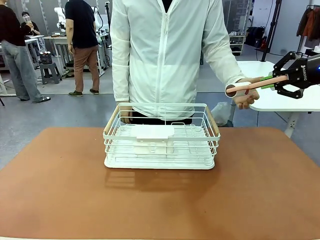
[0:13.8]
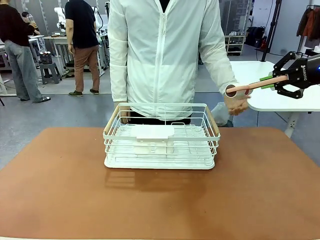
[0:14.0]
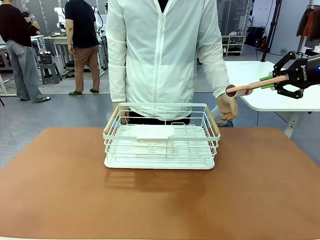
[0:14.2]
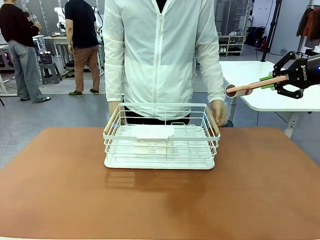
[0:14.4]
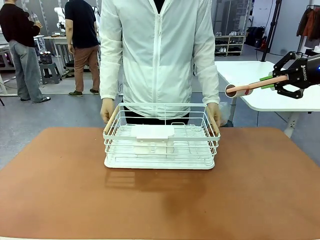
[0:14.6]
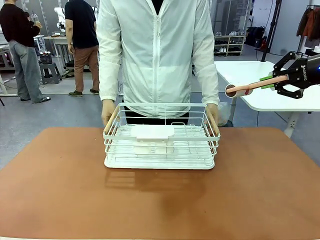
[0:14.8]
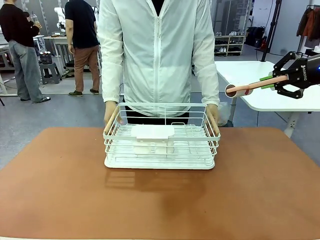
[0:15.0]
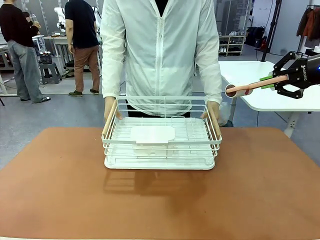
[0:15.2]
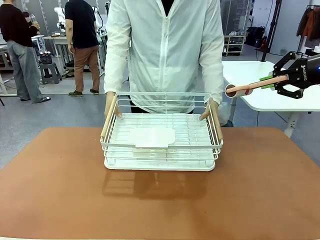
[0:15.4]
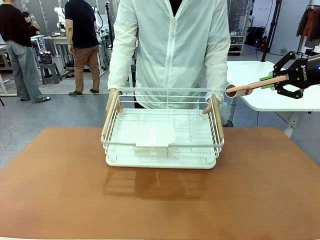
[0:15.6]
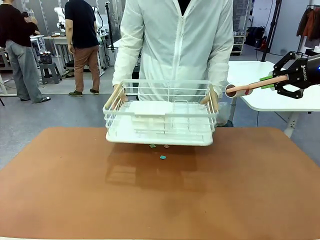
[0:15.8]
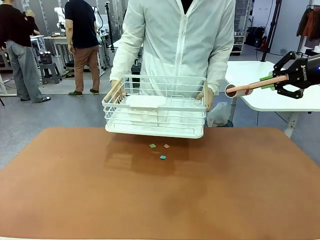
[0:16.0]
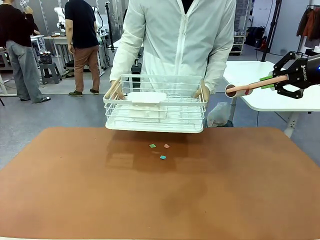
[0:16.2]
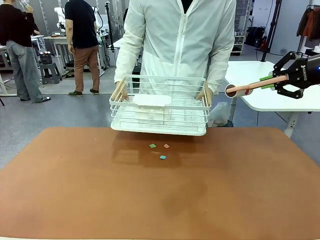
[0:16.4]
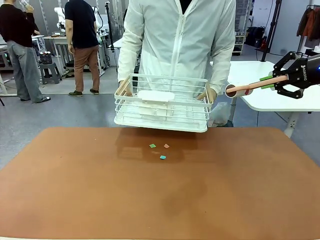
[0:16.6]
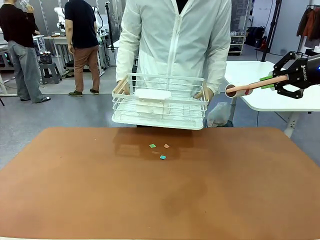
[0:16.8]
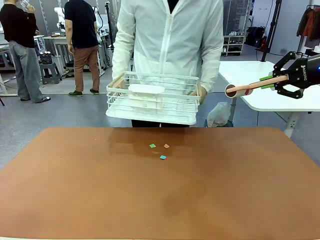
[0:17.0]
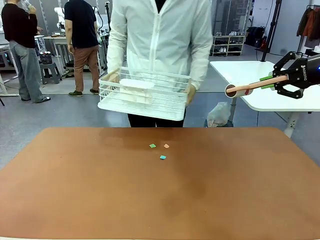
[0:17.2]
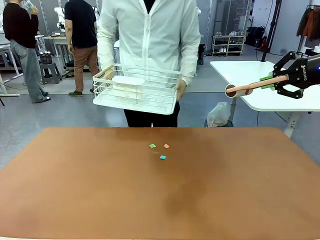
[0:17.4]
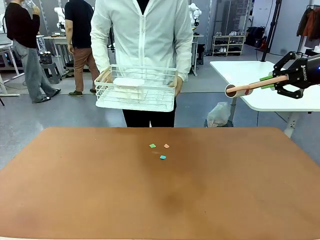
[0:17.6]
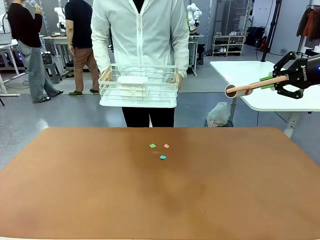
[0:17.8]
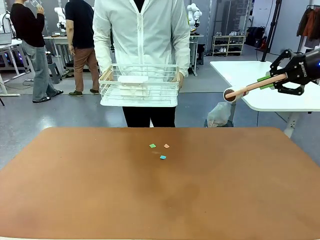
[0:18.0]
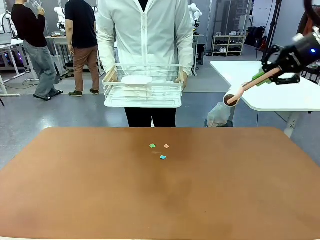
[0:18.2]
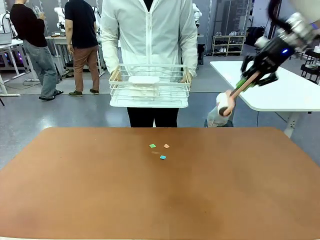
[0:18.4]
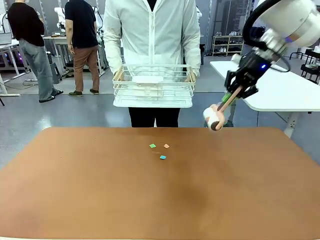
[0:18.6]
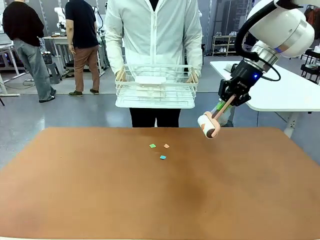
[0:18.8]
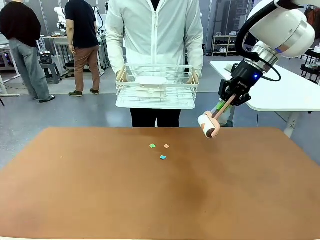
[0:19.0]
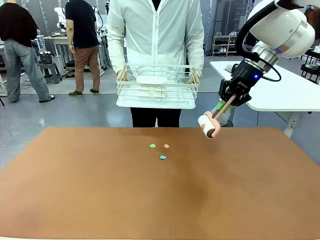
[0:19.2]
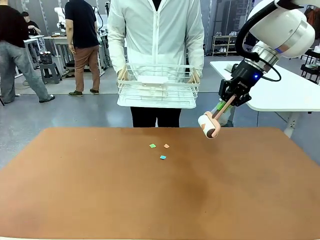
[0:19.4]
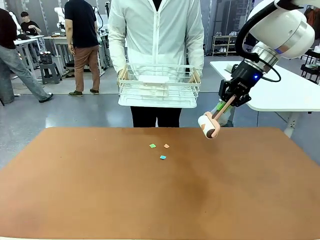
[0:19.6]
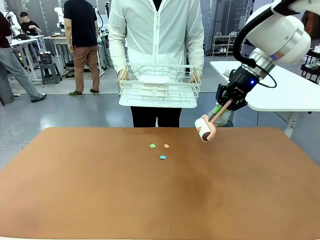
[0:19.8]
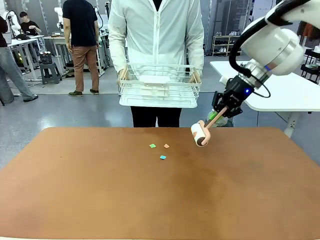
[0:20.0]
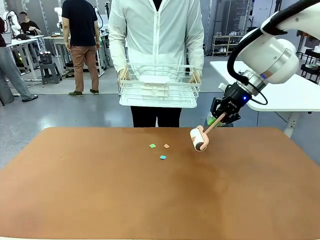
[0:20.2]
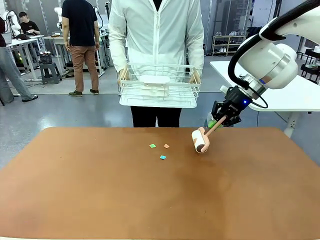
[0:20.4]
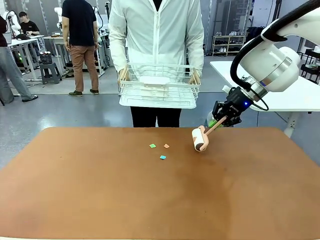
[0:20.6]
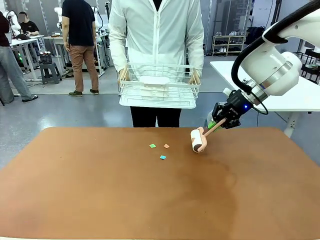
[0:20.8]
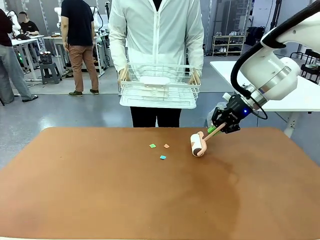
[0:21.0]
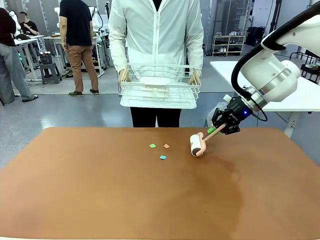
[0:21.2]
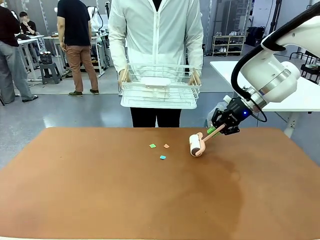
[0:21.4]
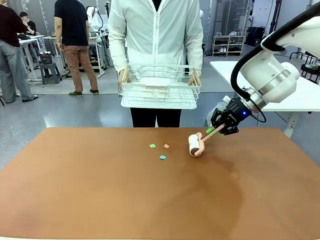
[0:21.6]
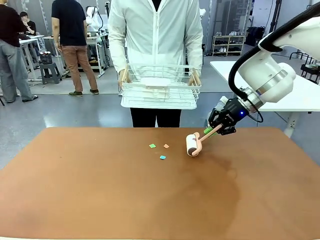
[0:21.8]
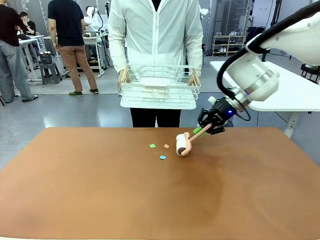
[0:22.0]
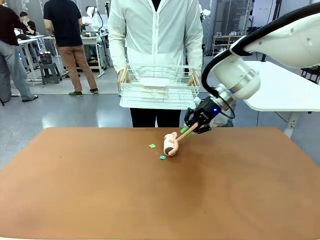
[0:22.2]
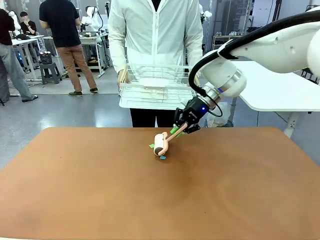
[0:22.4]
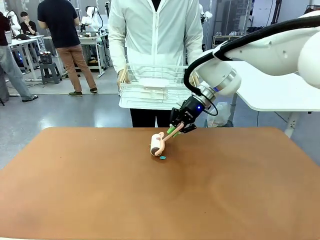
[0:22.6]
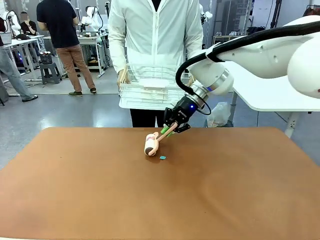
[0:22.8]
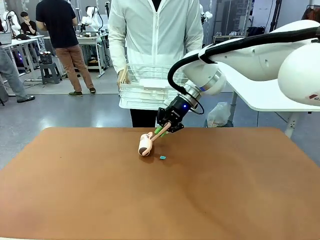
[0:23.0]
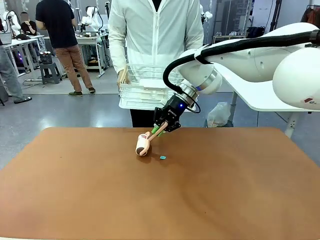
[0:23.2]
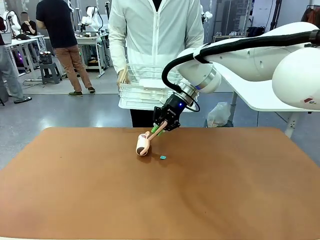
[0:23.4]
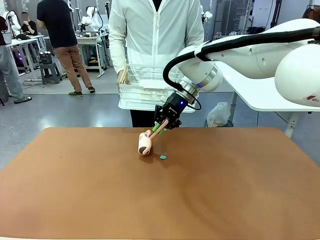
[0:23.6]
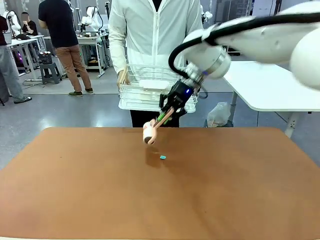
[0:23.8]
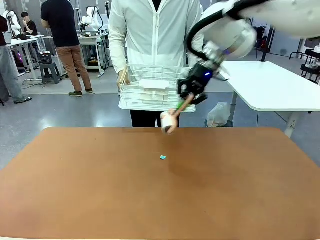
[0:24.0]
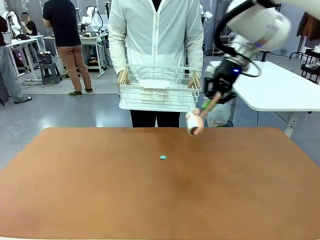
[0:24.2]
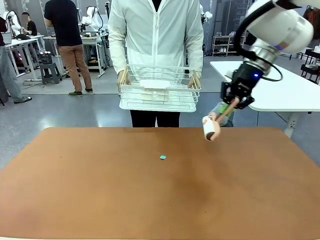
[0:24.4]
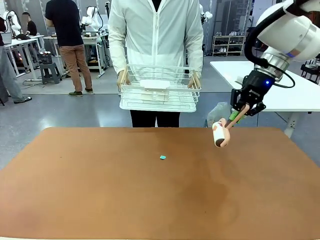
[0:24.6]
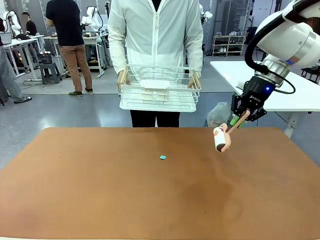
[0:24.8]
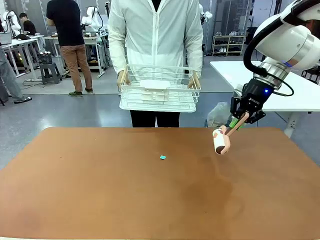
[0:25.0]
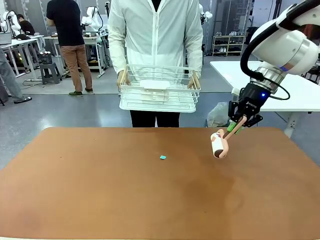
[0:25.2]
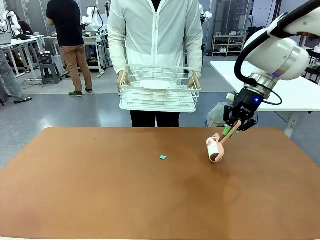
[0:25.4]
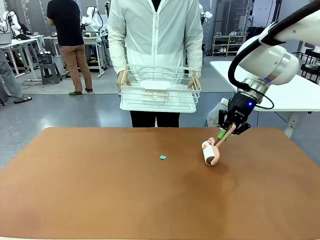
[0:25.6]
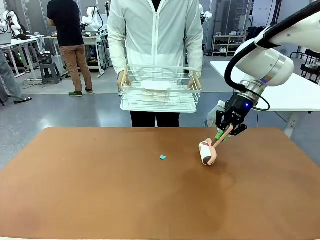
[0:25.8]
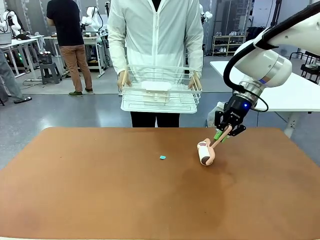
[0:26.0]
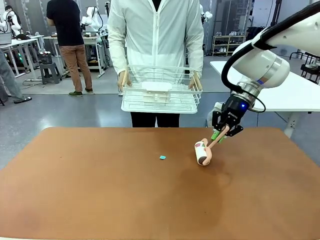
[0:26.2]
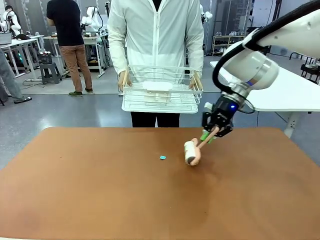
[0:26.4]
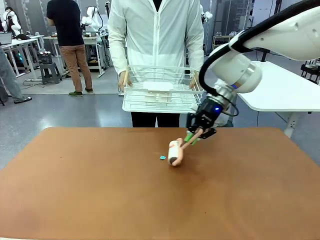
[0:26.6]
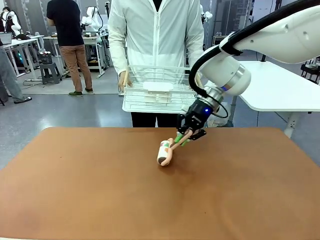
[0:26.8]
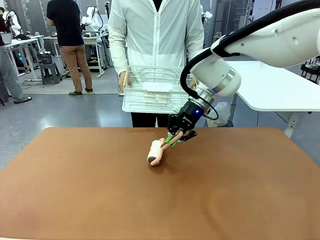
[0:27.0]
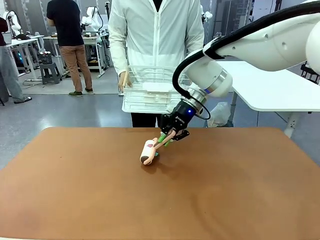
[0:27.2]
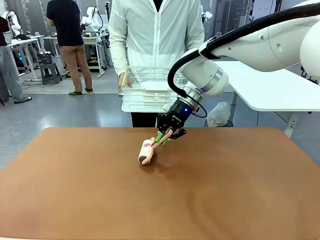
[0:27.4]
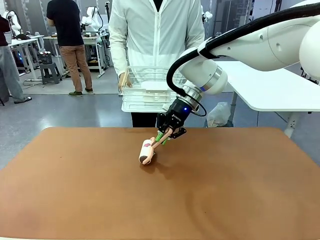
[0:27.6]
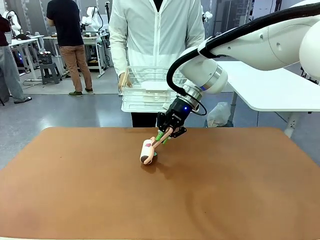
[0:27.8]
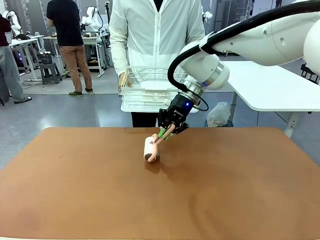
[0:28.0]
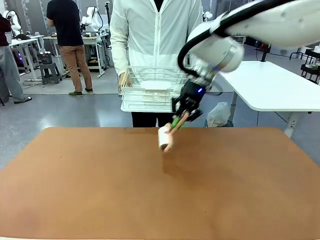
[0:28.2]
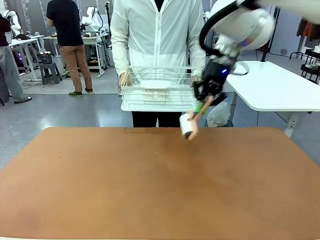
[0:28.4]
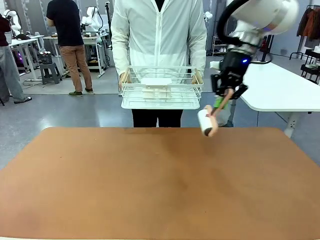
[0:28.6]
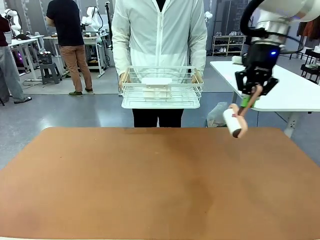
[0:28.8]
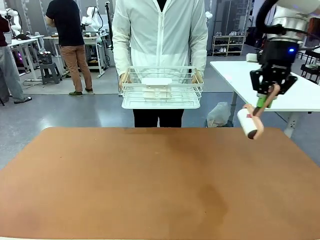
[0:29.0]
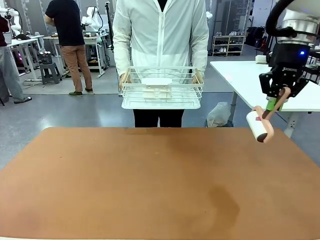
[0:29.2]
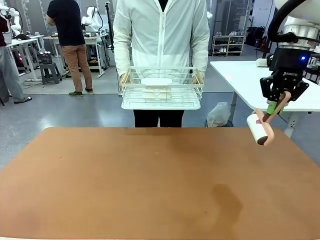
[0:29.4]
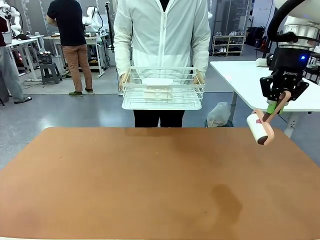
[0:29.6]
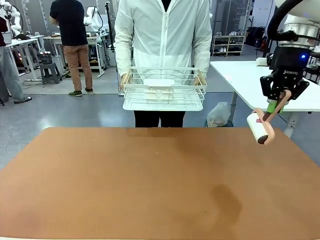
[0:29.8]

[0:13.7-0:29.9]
Task: Clean the table.
Robot: Clean the table with the Lint Roller when the human lifts the Dish drying rack.
Person: Place the Dish drying rack down when the robot finishes cleaning.

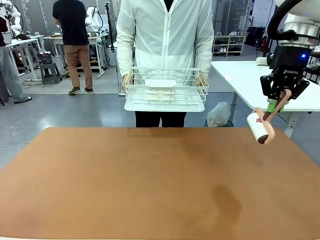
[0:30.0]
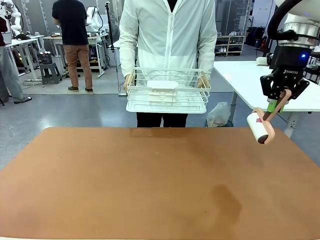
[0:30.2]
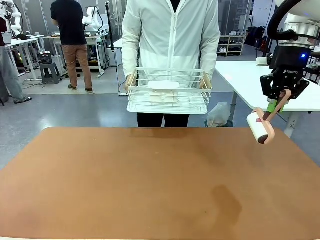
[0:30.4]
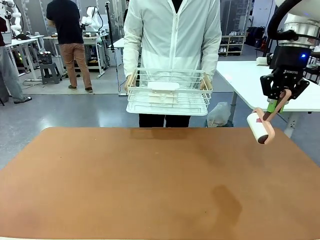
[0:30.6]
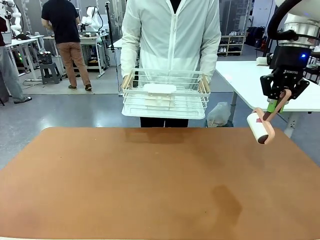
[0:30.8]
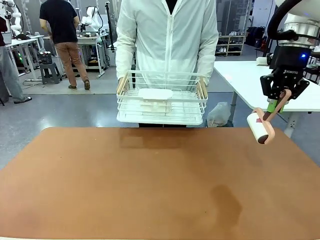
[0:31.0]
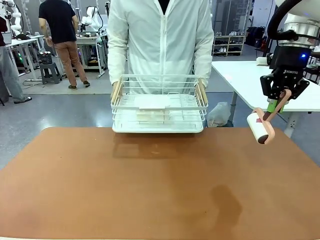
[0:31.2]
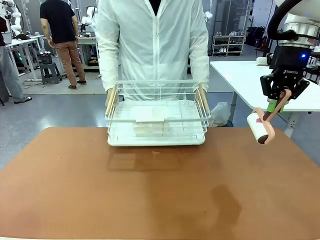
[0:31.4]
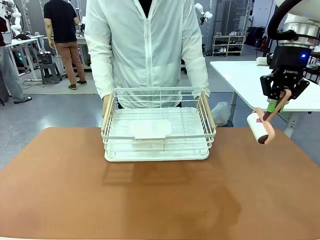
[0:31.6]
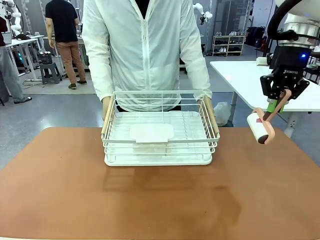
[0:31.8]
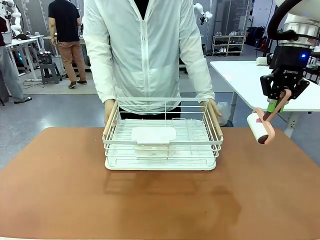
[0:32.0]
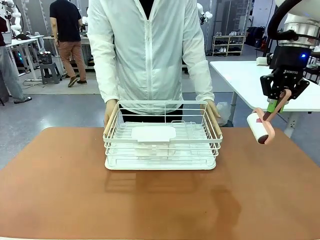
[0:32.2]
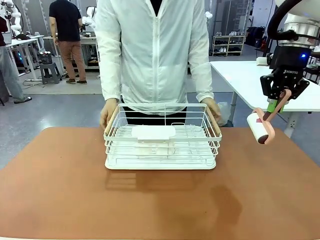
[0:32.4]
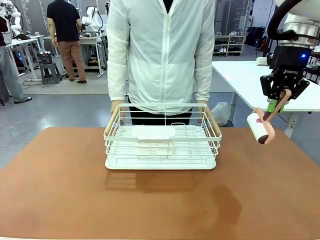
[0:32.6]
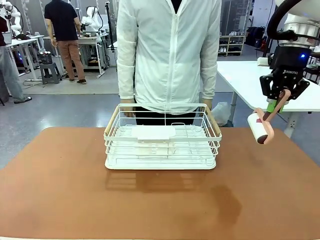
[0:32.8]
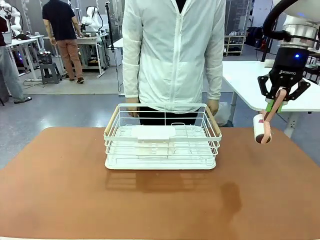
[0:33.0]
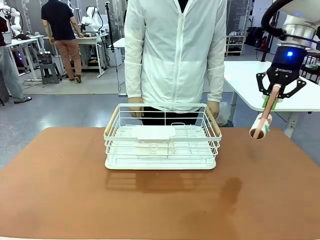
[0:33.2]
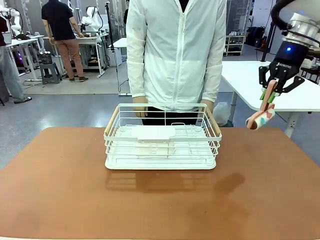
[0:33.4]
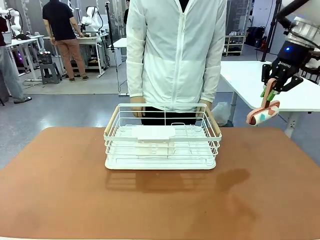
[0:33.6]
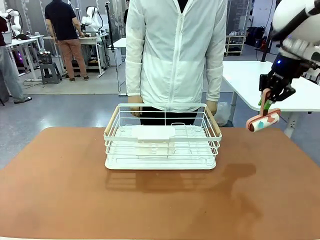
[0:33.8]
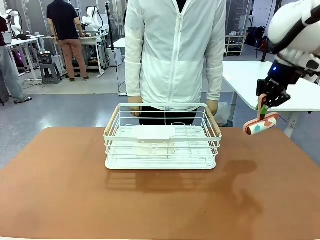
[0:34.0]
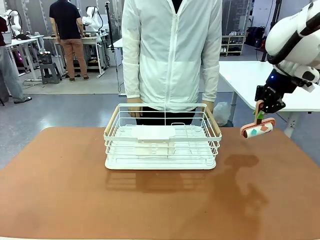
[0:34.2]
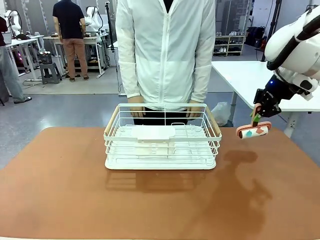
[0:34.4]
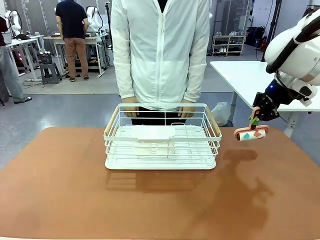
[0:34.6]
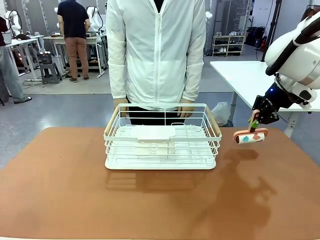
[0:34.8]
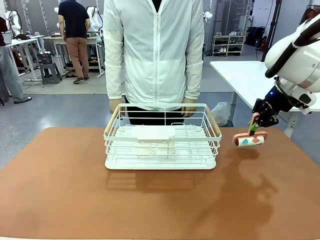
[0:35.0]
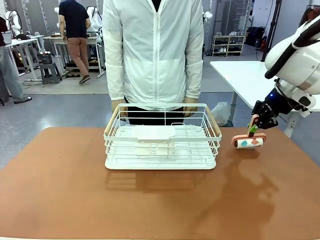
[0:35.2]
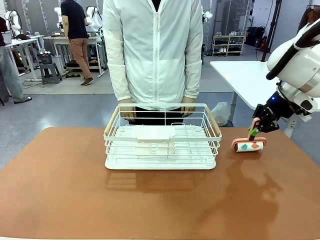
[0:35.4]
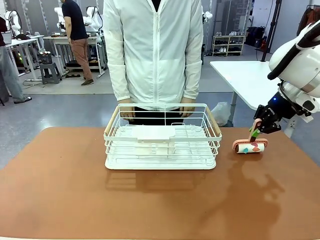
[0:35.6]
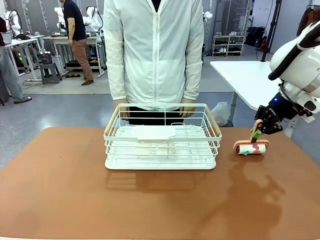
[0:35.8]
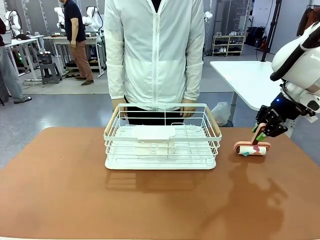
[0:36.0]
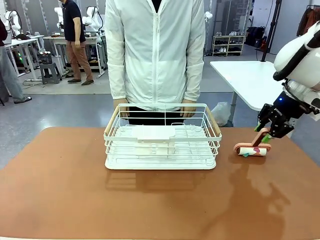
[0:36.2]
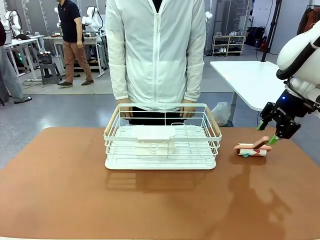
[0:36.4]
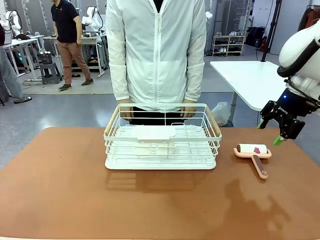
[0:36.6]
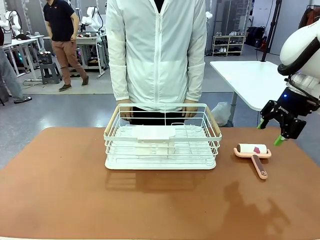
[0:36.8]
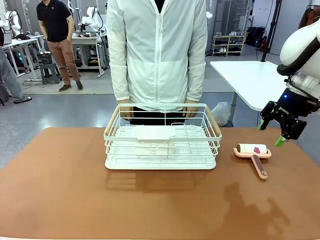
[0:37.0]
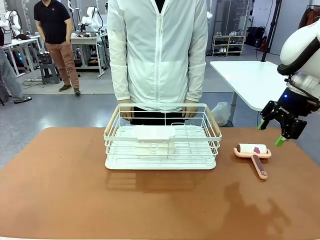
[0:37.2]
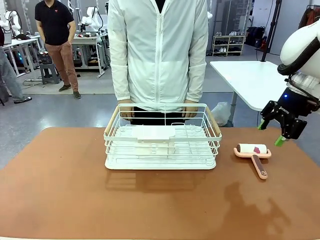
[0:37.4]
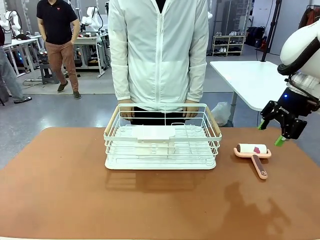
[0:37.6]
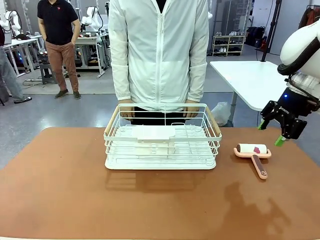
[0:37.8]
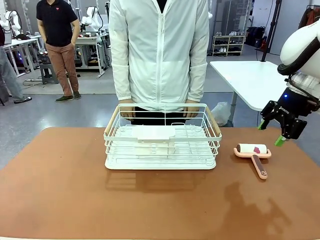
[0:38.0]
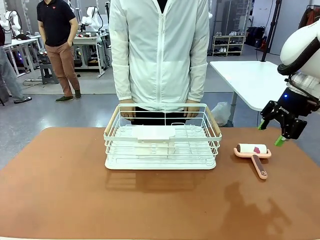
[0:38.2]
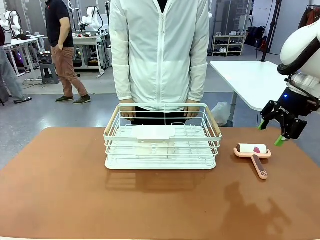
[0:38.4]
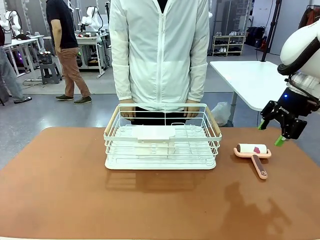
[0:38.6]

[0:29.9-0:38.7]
Robot: Place the Lint Roller down when the Dish drying rack is positioned in the middle of the table.
